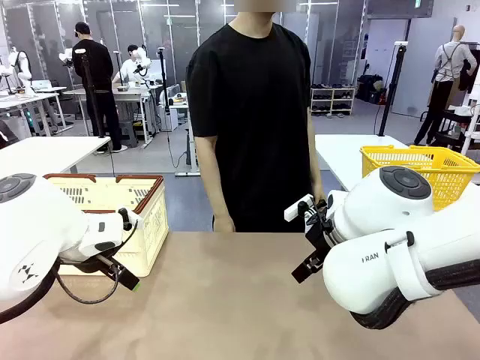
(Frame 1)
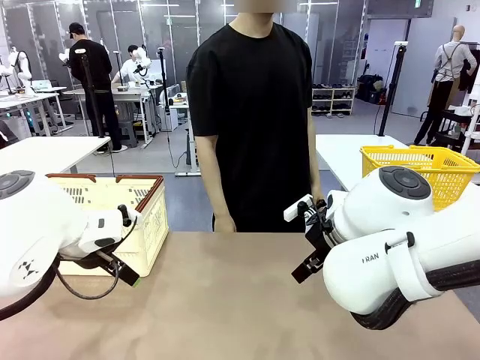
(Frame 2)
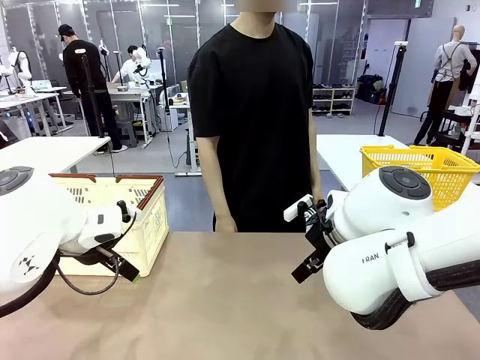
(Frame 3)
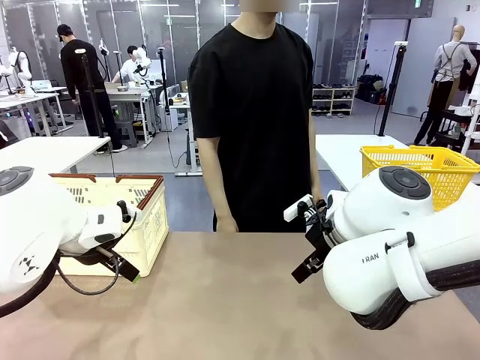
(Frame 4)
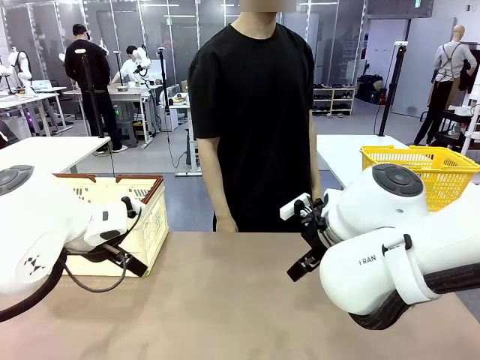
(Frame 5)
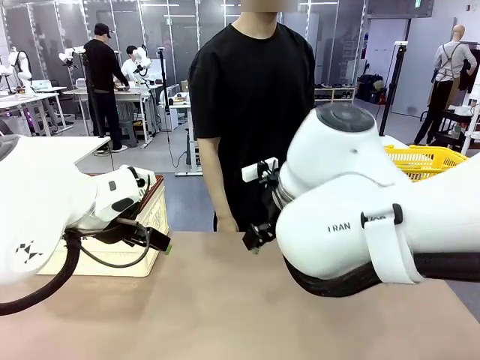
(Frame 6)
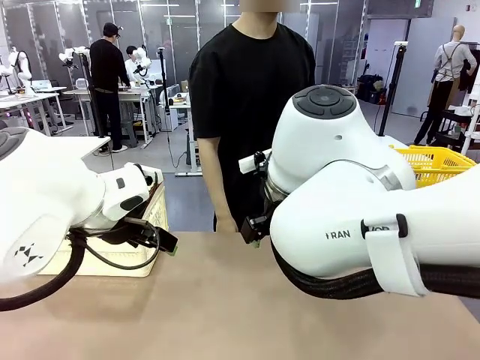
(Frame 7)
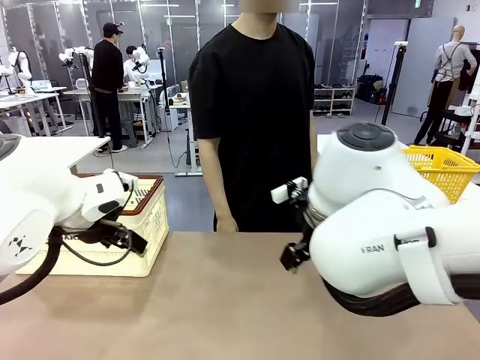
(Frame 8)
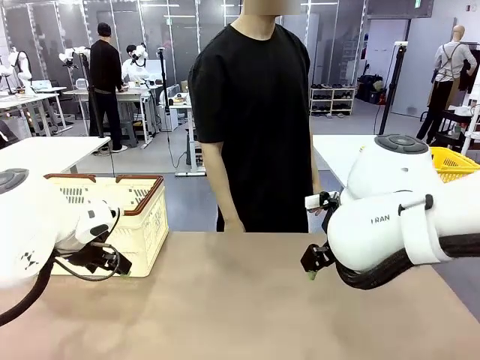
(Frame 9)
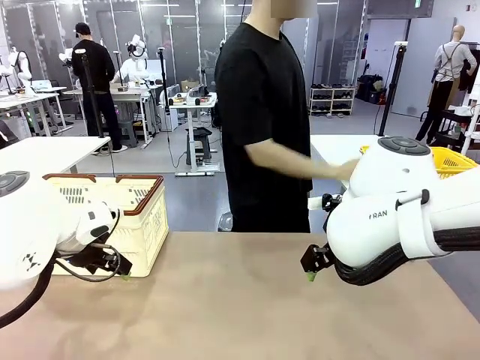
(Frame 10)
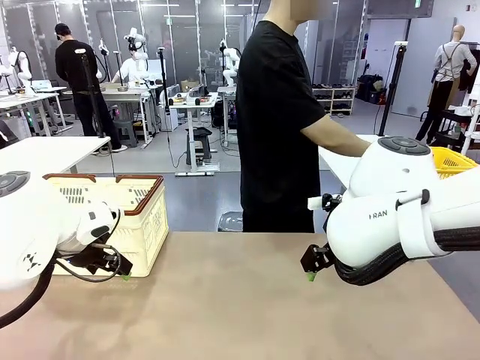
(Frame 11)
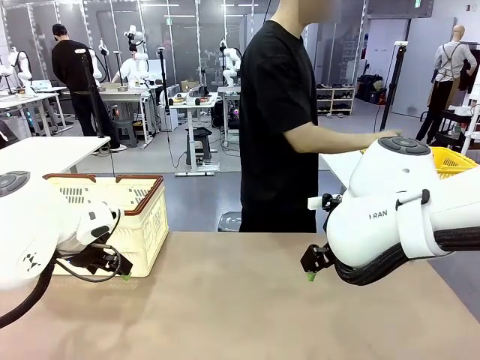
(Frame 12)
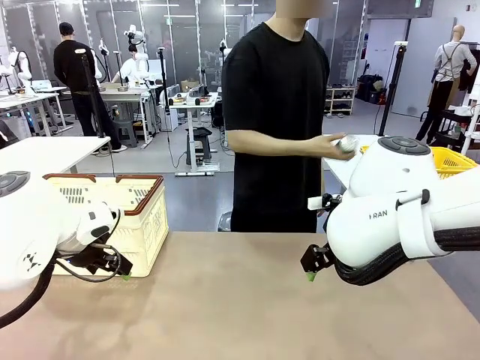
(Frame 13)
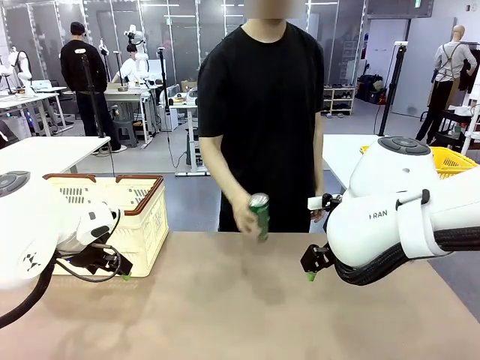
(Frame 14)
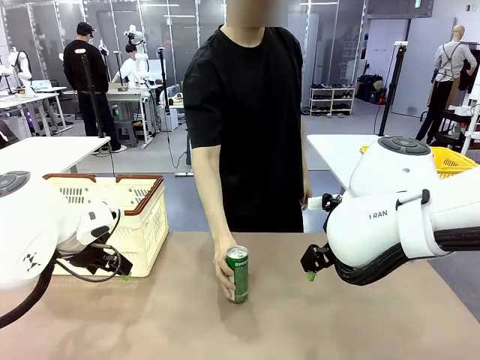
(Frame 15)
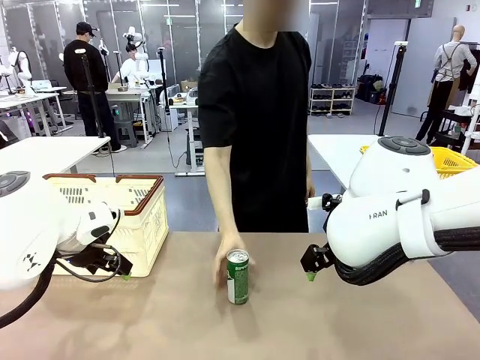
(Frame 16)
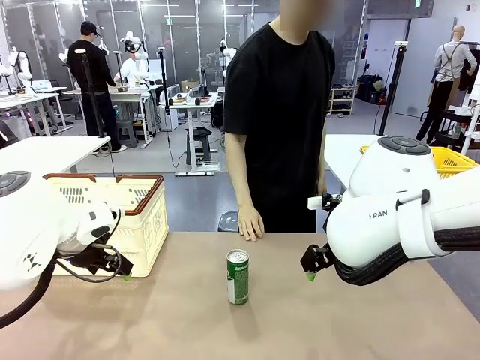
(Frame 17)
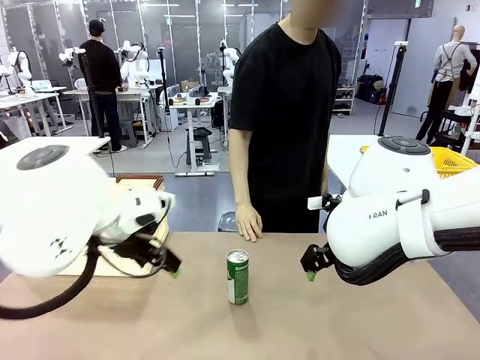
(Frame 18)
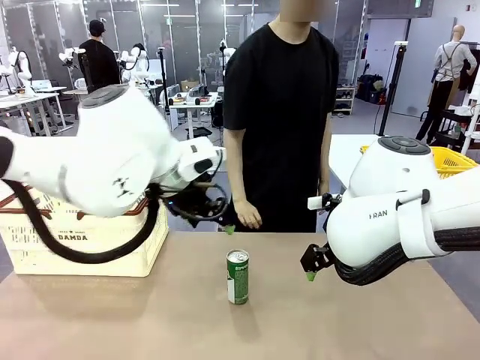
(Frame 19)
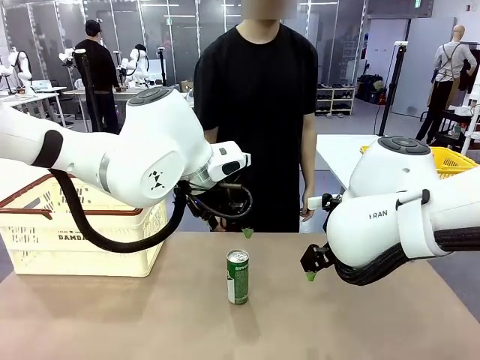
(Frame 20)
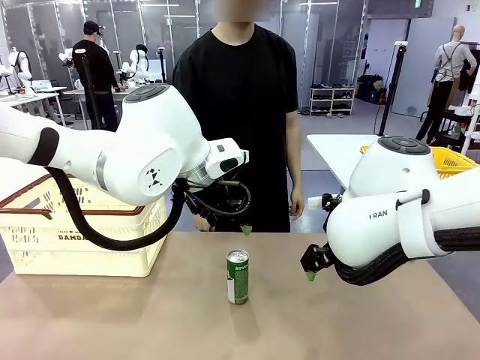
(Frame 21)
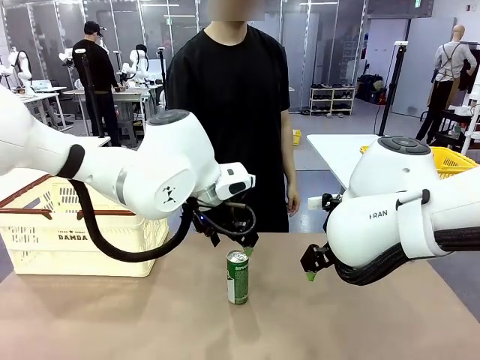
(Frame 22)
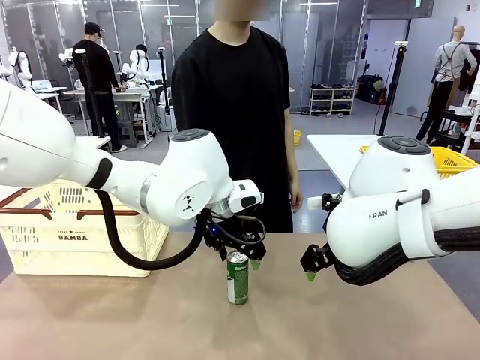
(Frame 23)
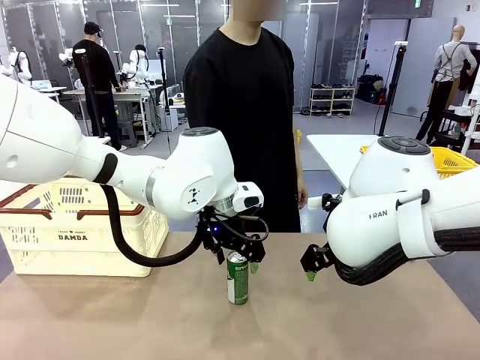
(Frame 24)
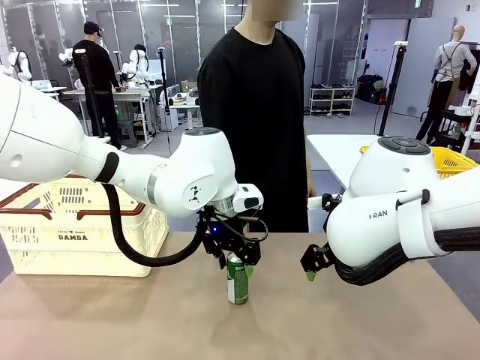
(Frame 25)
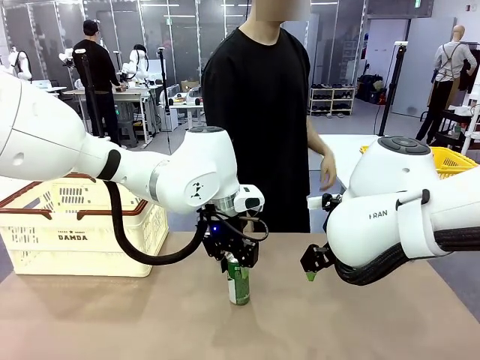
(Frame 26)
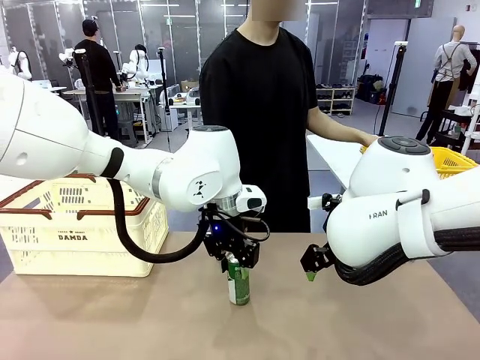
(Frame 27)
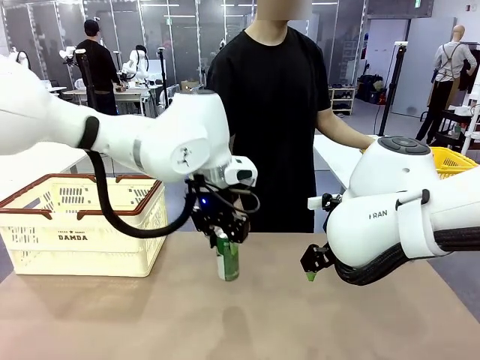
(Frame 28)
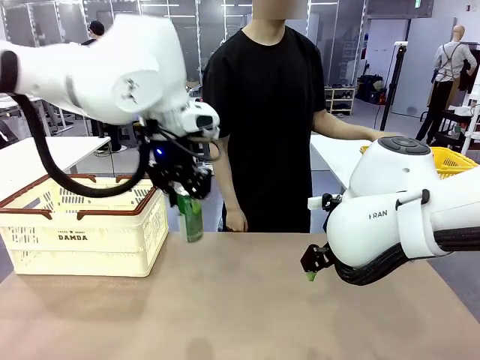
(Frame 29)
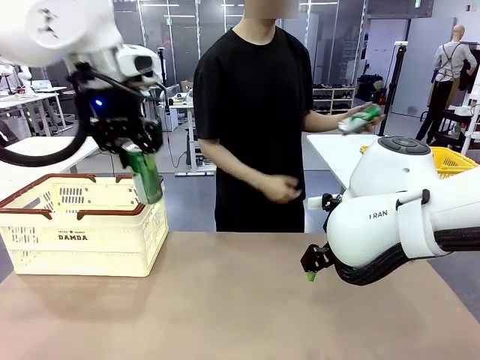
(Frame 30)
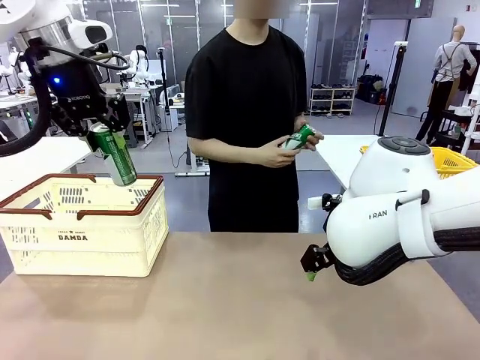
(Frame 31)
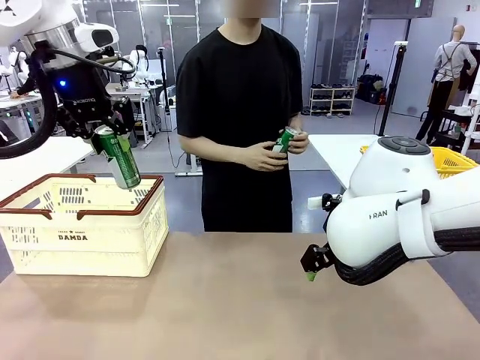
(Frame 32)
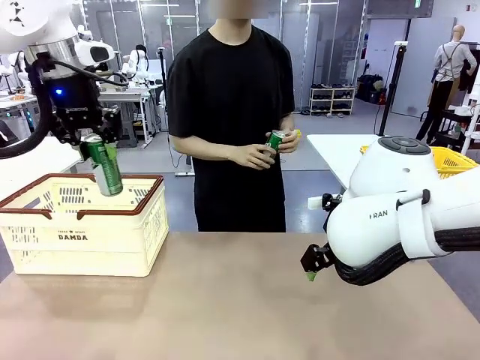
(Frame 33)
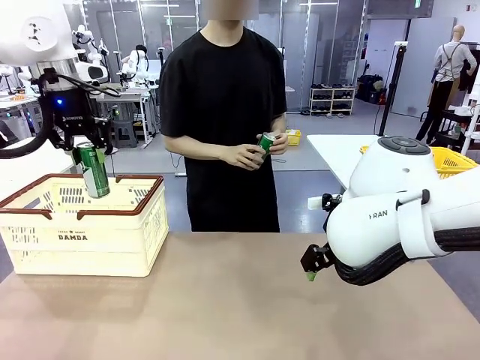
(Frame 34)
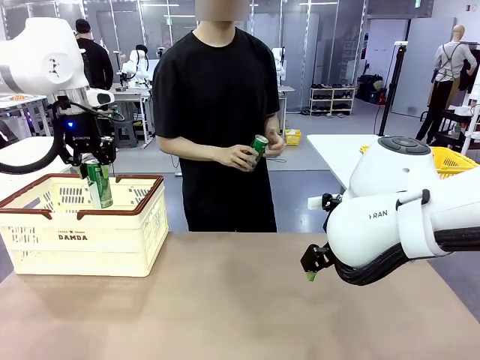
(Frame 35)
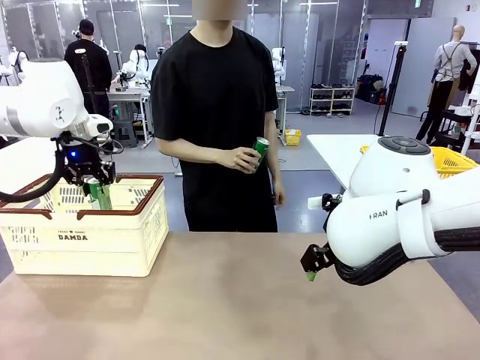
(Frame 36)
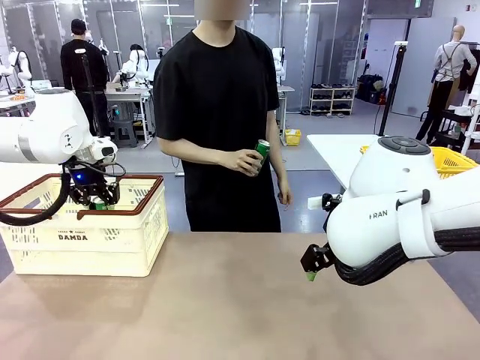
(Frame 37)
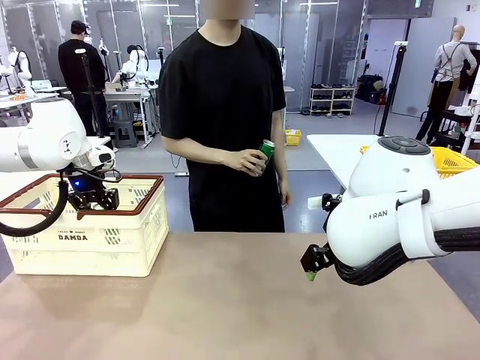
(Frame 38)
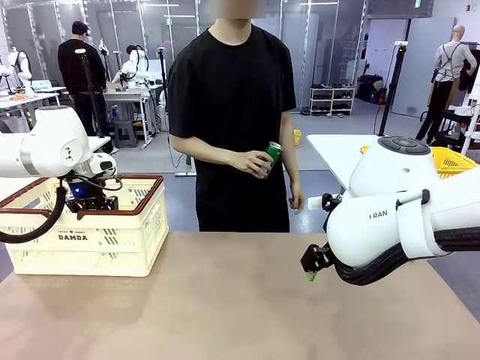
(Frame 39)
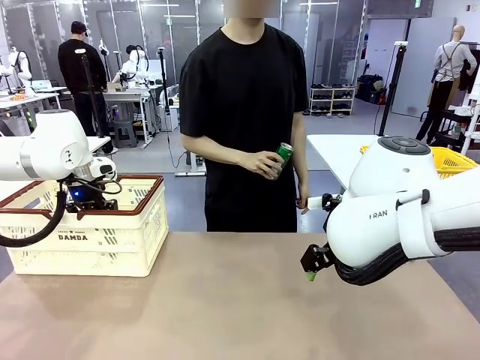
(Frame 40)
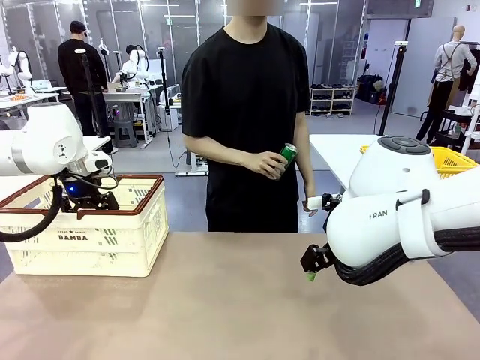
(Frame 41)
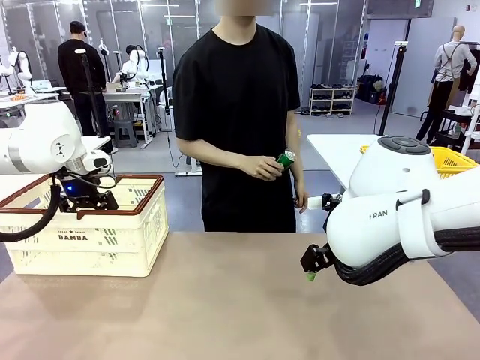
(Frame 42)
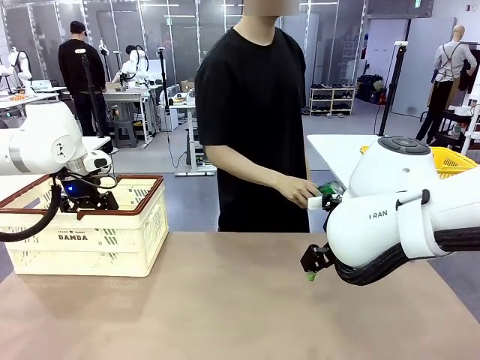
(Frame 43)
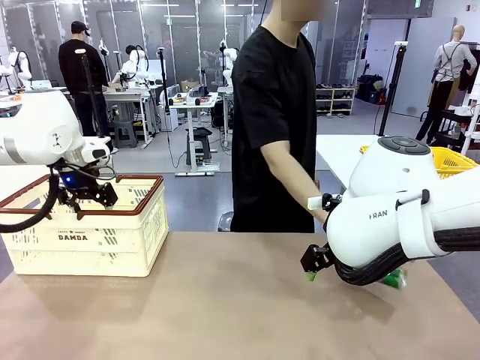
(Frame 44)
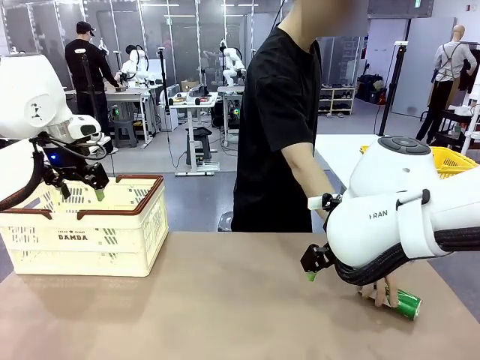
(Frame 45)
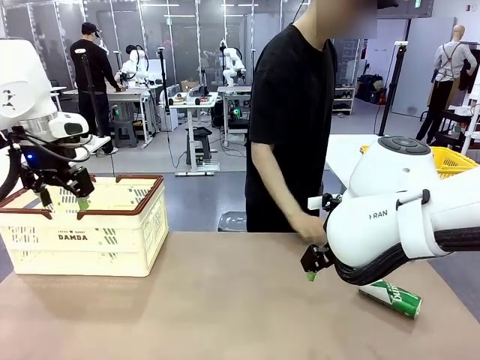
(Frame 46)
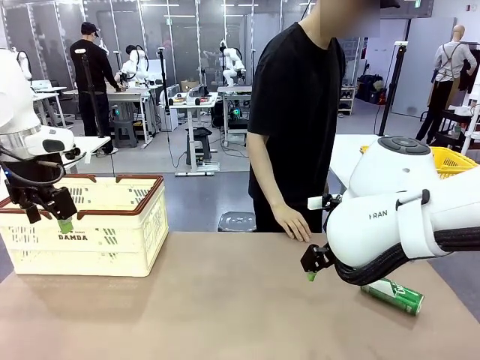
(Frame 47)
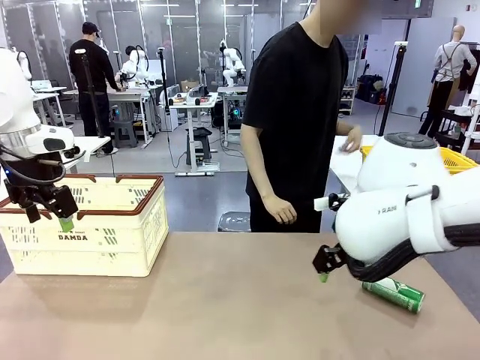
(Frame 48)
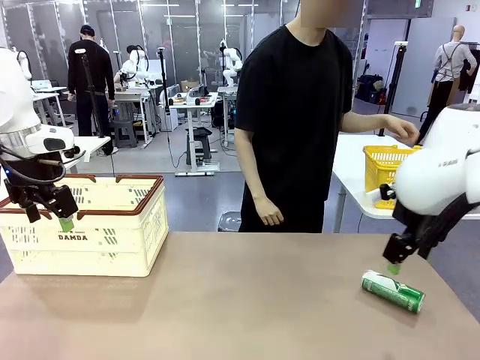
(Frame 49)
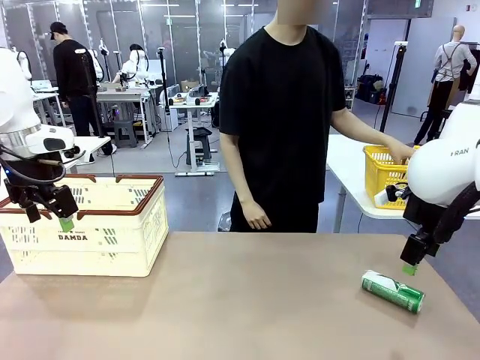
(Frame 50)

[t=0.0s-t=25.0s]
Task: Place the drinks into the Shopping basket.
Robot: Pick up one drink and place it into the Shopping basket.
